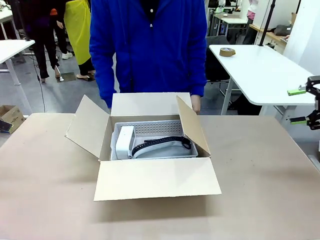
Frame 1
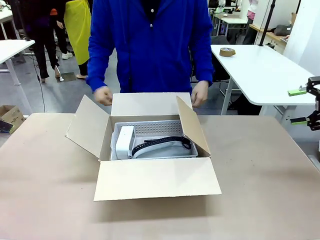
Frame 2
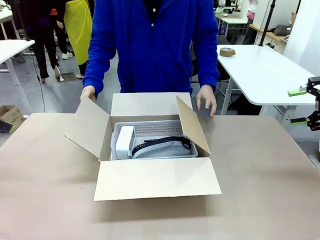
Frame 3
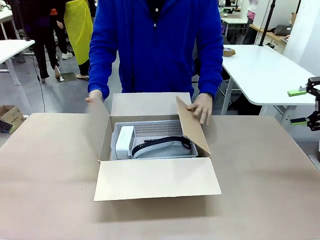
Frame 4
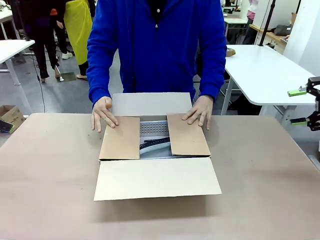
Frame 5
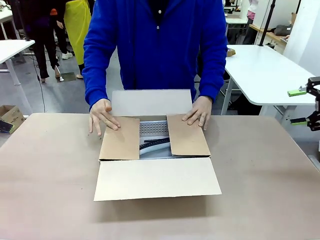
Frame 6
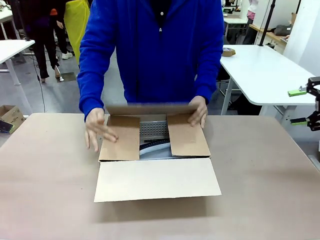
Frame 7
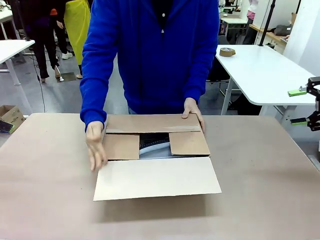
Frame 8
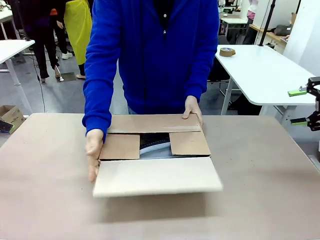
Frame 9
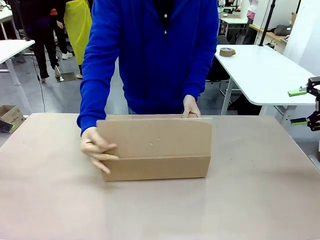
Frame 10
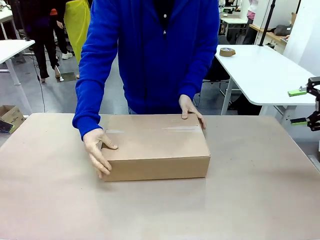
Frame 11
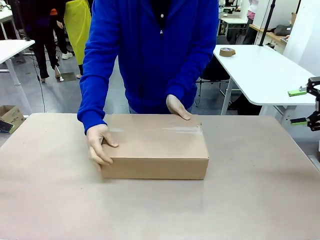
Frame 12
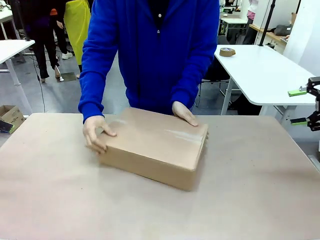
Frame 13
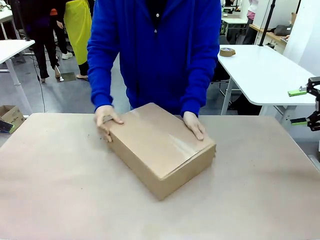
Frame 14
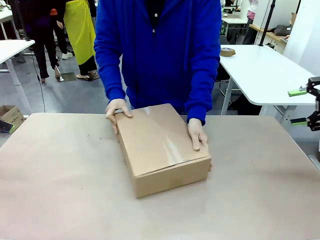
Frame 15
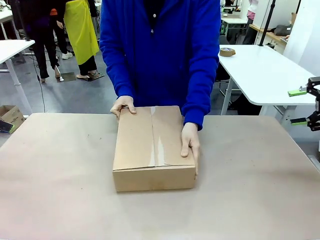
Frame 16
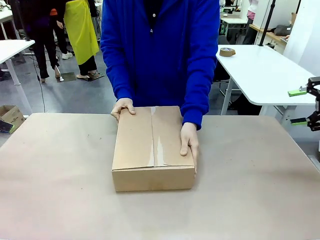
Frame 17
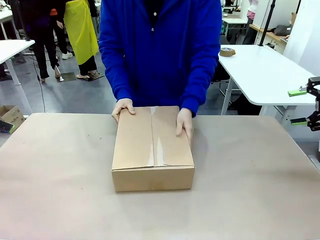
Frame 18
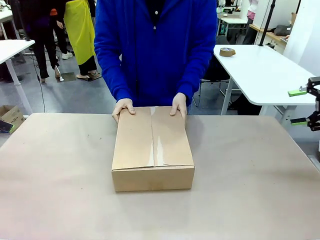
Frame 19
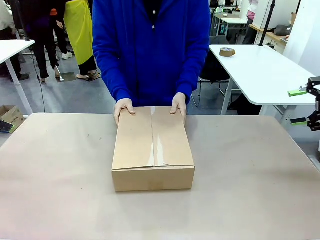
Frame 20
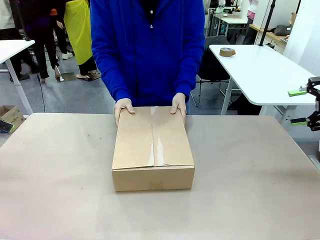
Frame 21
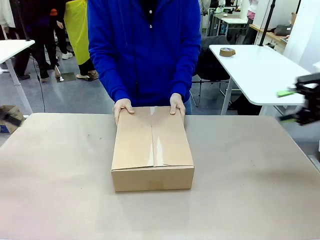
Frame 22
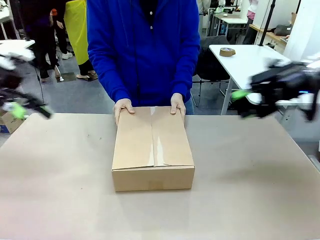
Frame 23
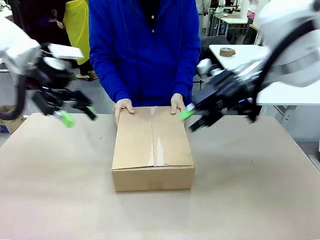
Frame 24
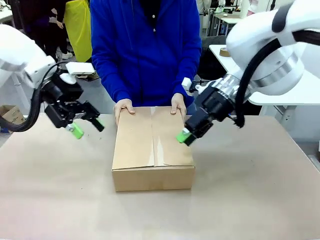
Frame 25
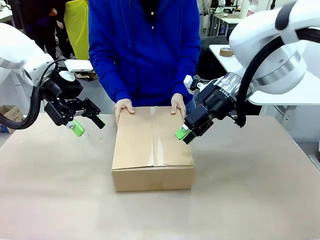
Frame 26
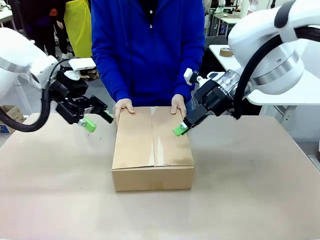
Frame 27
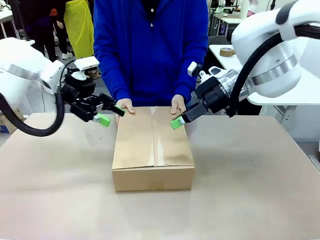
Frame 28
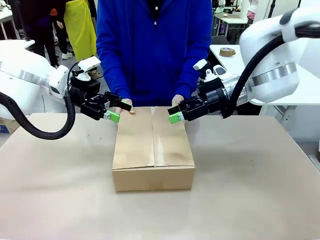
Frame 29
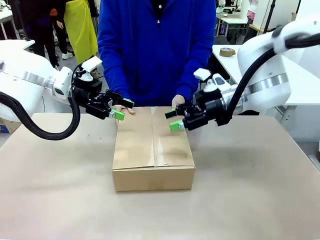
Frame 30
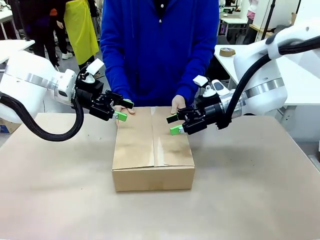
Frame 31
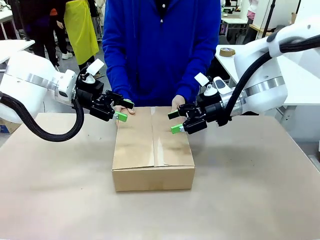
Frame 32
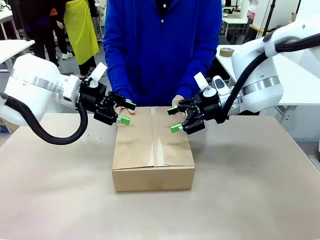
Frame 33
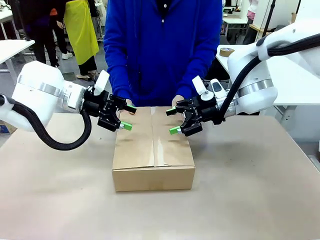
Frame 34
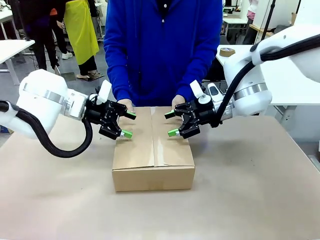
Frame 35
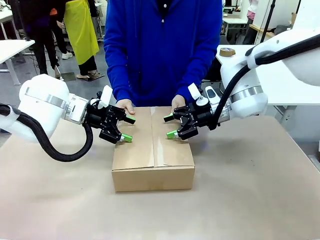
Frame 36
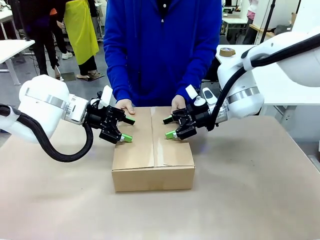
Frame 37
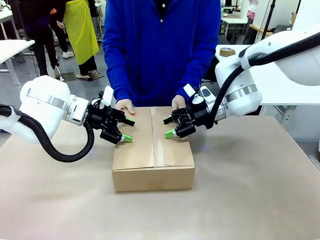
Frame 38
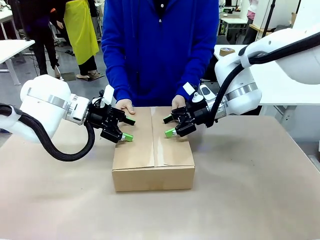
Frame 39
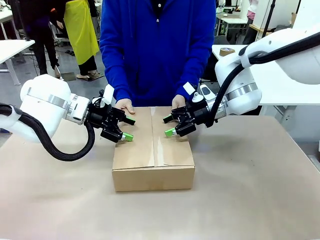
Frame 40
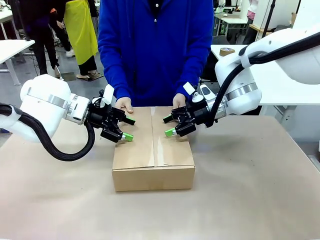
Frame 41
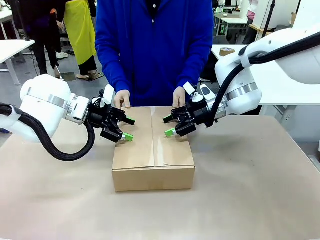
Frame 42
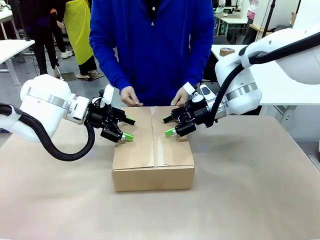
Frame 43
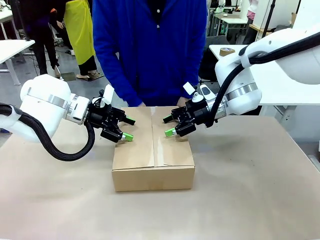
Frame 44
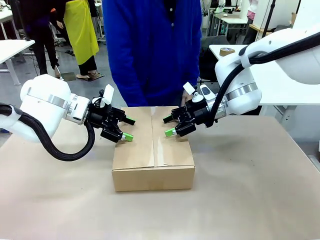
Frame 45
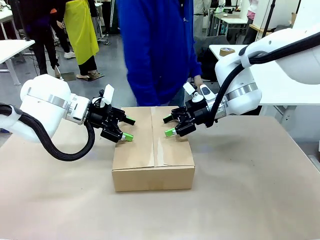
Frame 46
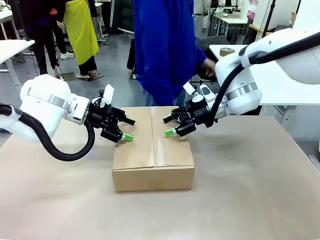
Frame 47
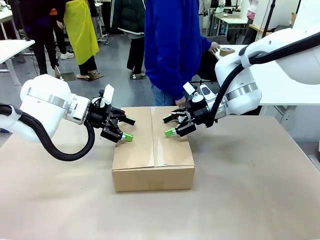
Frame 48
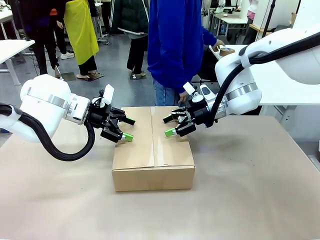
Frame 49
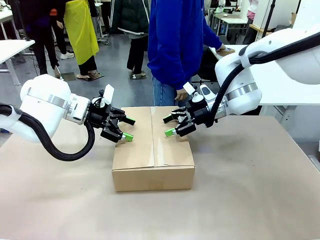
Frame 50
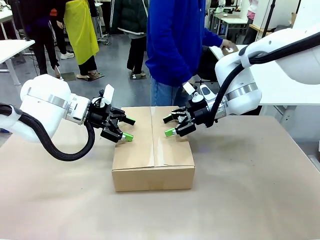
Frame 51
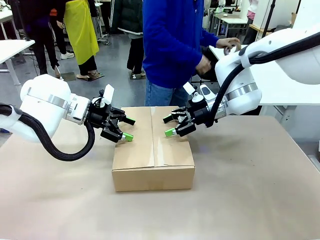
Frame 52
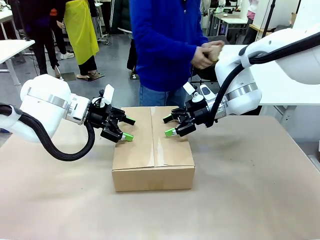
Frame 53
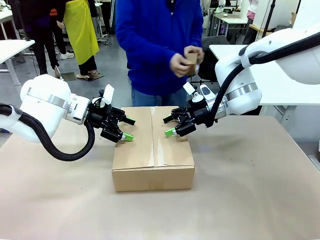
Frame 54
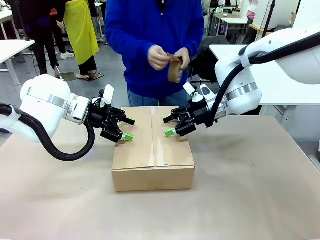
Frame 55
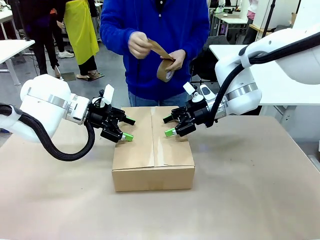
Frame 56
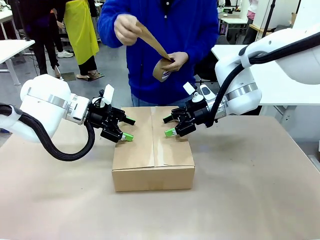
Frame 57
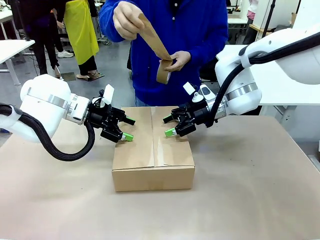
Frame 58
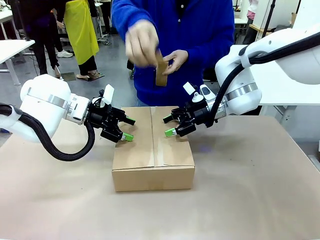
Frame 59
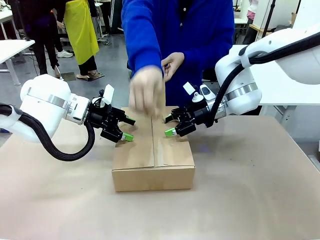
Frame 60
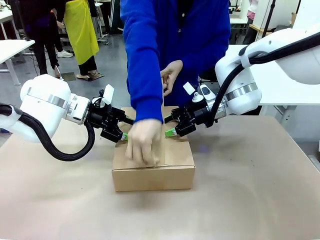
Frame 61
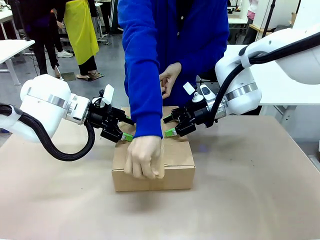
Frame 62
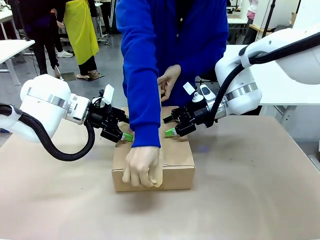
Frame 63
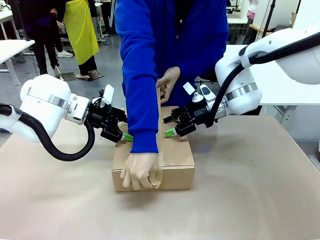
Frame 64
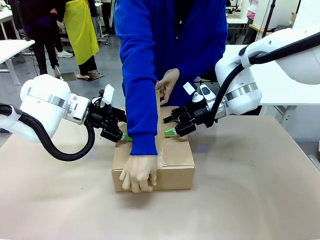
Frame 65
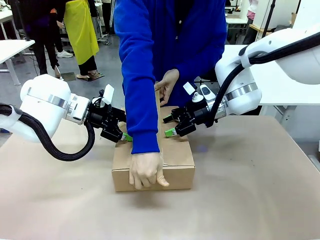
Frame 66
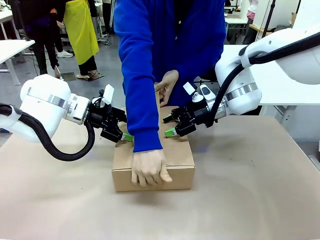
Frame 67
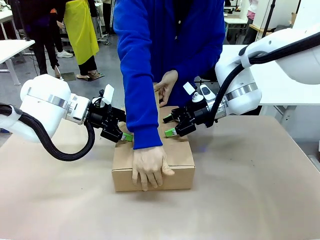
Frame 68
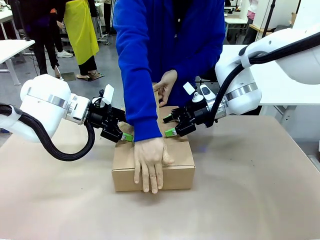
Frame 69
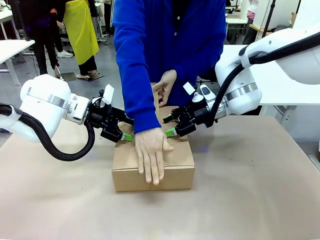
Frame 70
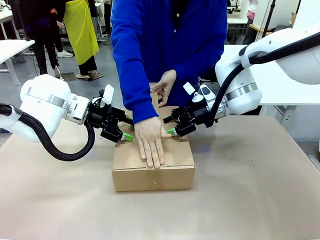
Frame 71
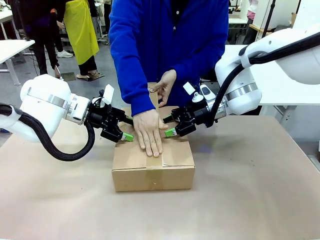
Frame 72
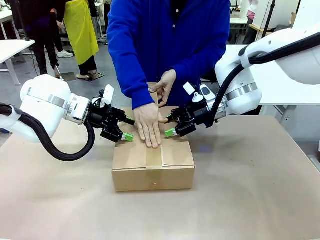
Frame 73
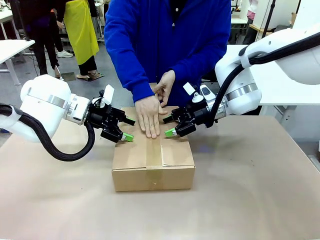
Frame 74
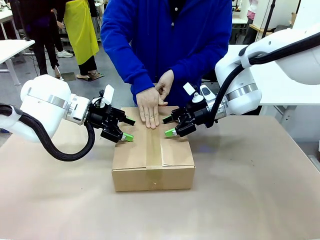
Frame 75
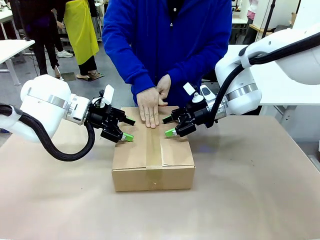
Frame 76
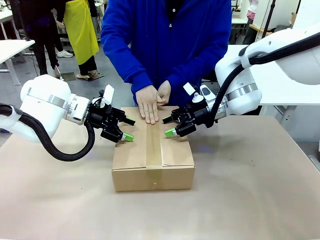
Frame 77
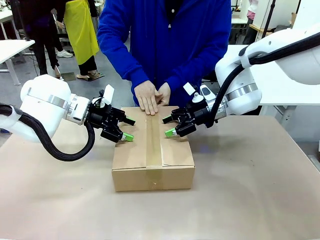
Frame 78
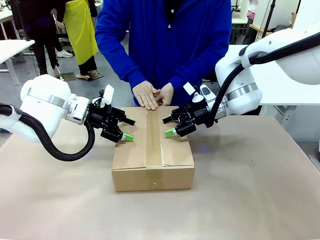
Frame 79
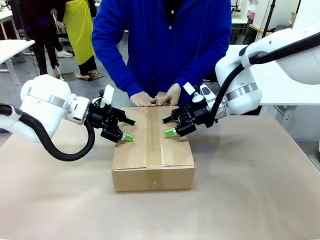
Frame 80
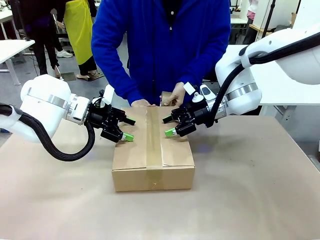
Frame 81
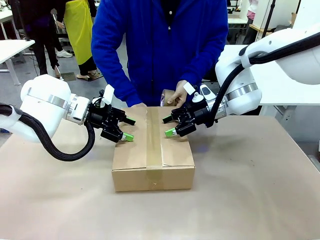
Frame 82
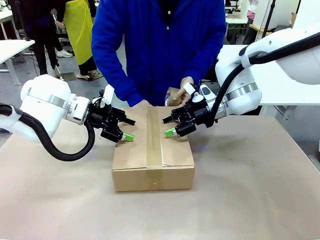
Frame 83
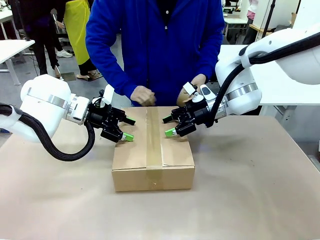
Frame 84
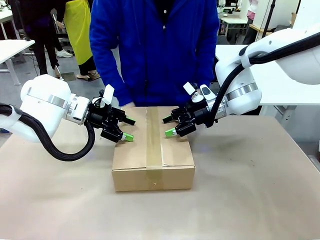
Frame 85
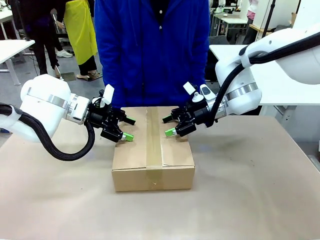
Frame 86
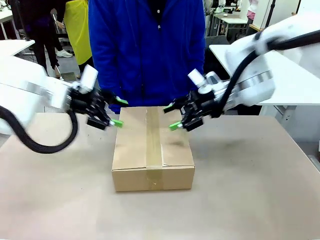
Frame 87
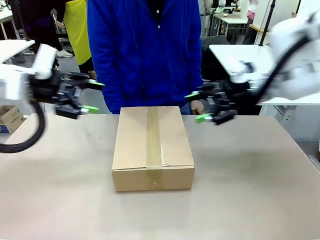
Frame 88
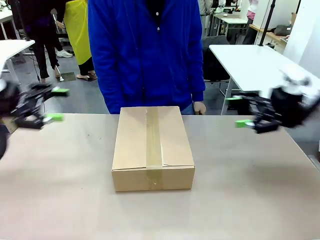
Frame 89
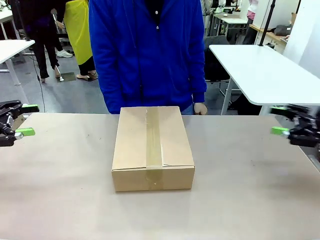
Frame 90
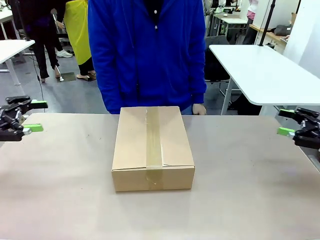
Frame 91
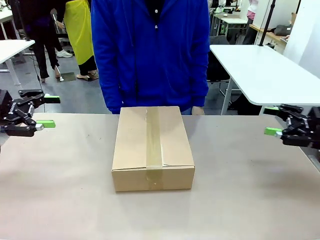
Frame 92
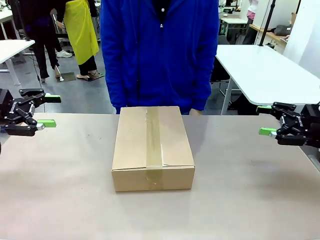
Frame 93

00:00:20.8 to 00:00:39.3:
Task: Pack the gift set into the box.
Robot: Press and hold the closed box until the human finishes sealing it.
Person: The human closes the box and rotates the box by 90 degrees. The human picks up the paper tape from the human table and packs the box.
